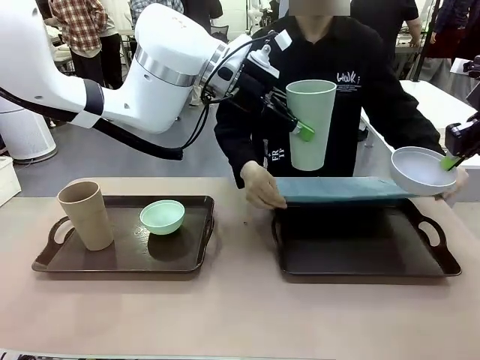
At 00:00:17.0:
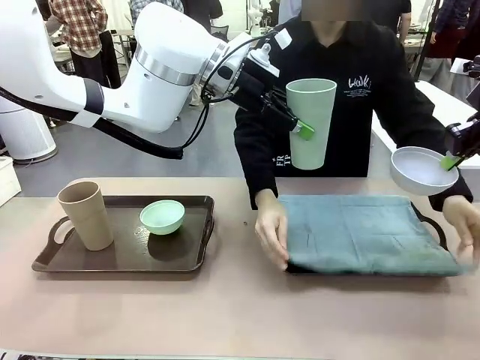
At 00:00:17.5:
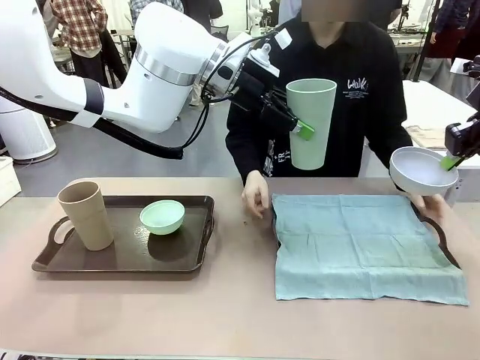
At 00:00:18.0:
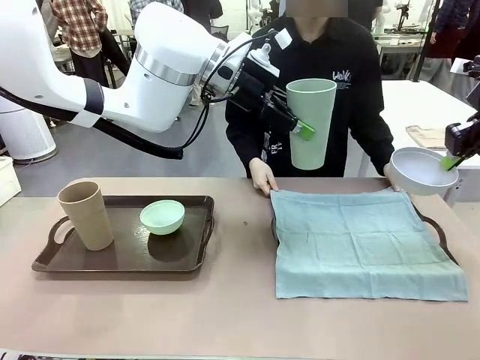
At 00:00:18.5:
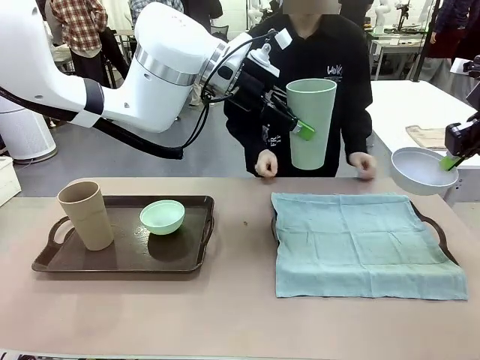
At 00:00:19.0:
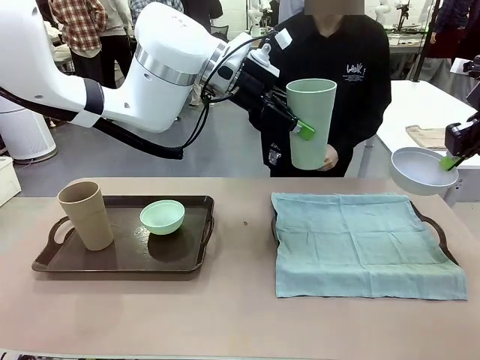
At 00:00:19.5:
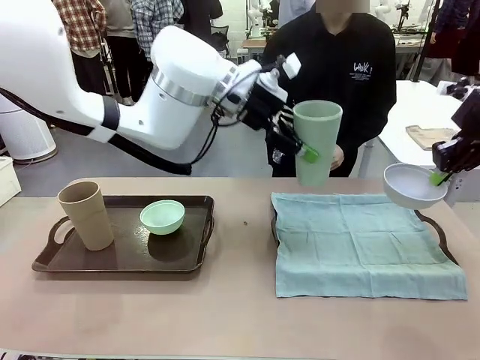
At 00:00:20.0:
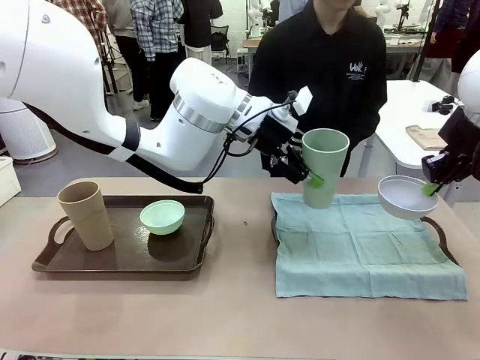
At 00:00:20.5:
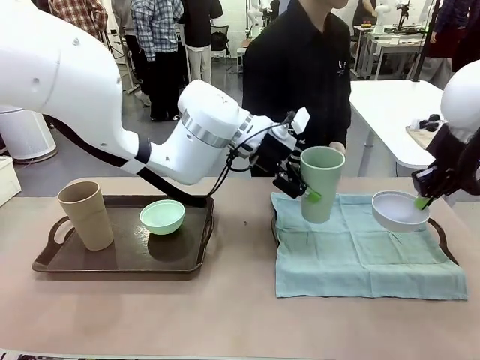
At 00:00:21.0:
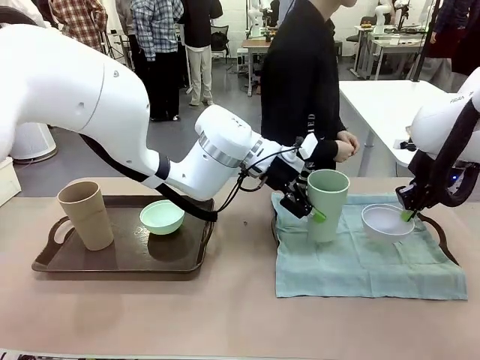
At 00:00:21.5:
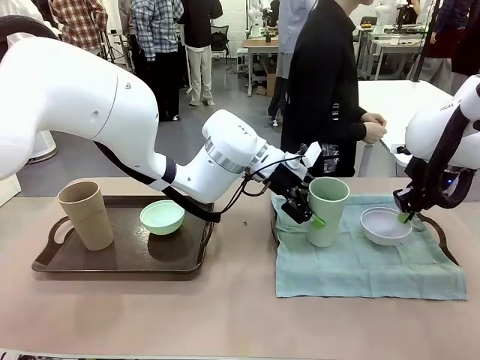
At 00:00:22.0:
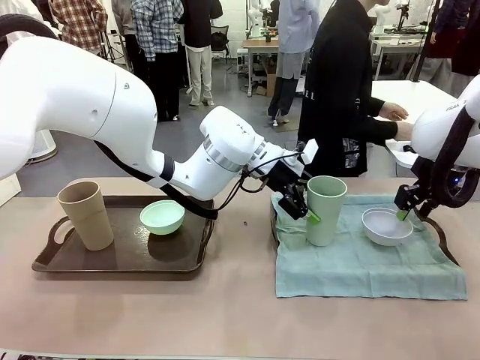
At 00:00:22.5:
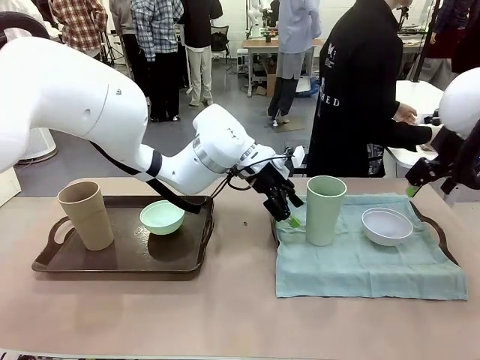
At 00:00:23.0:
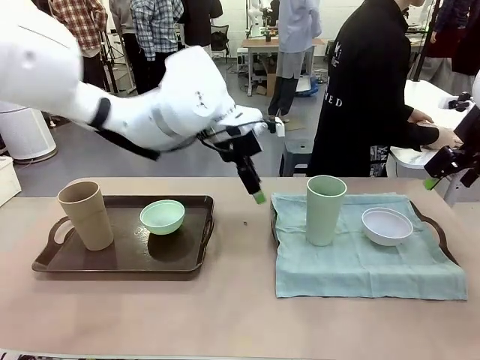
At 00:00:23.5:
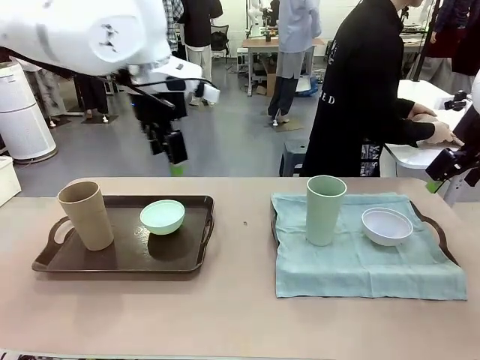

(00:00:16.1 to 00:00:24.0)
Robot: Place the Picnic Bowl and Reusable plastic cup back onto the Handle tray in front of the human's position.

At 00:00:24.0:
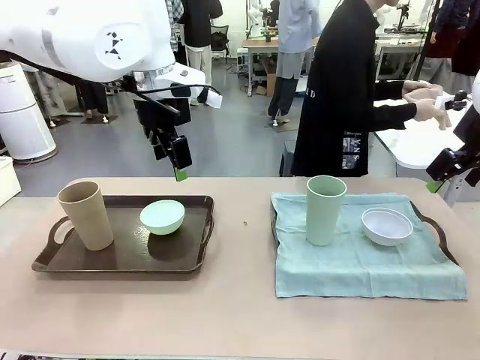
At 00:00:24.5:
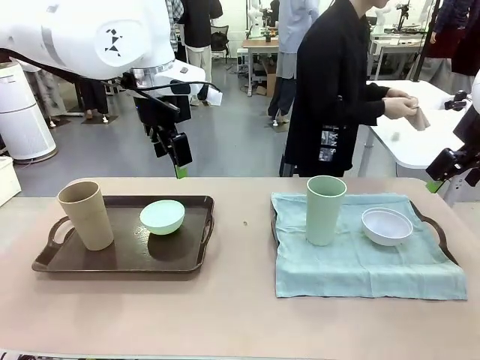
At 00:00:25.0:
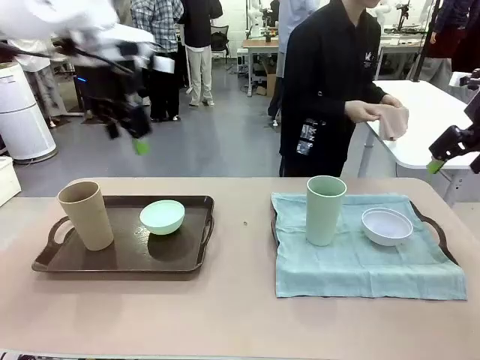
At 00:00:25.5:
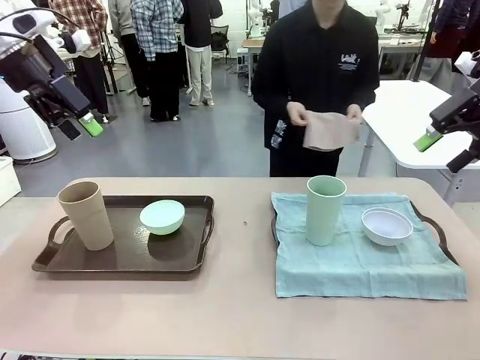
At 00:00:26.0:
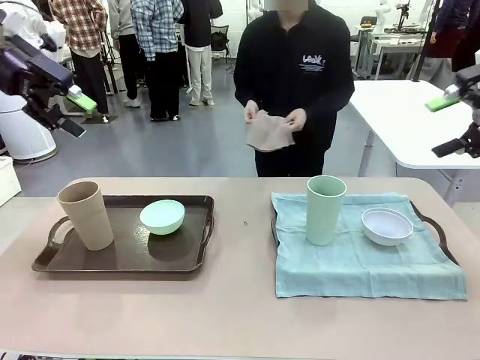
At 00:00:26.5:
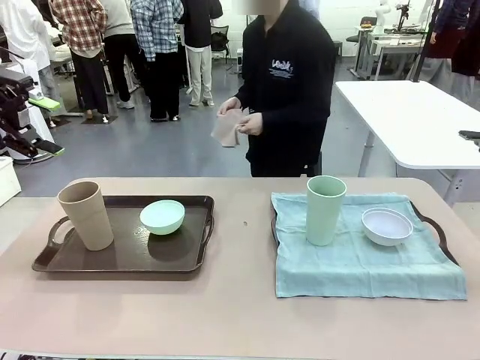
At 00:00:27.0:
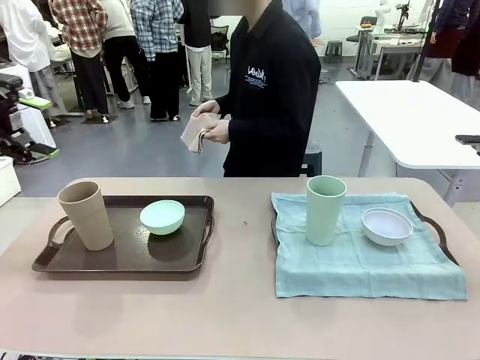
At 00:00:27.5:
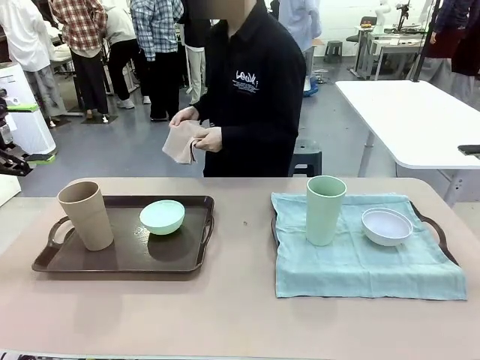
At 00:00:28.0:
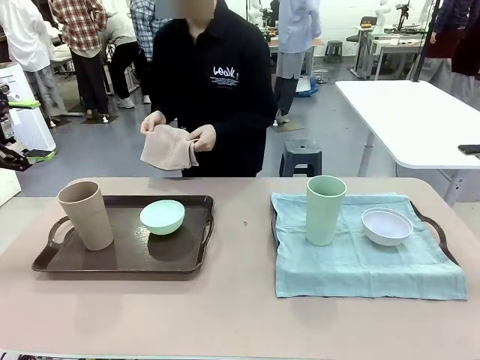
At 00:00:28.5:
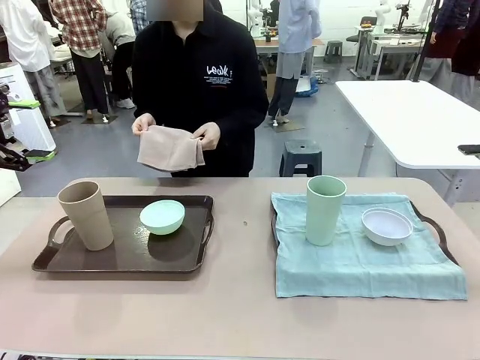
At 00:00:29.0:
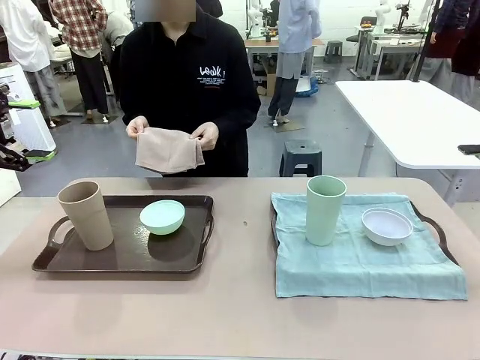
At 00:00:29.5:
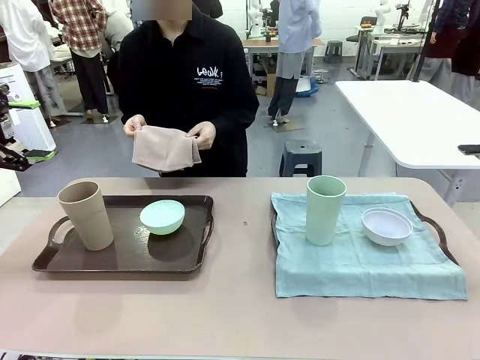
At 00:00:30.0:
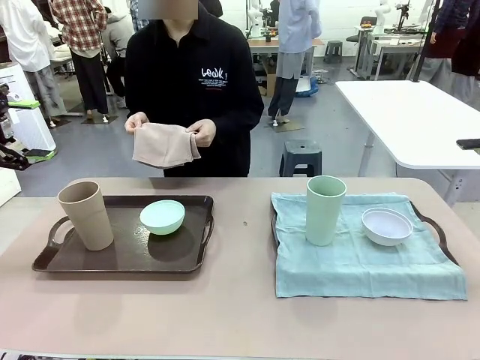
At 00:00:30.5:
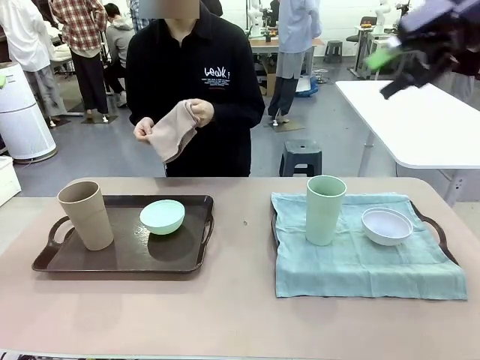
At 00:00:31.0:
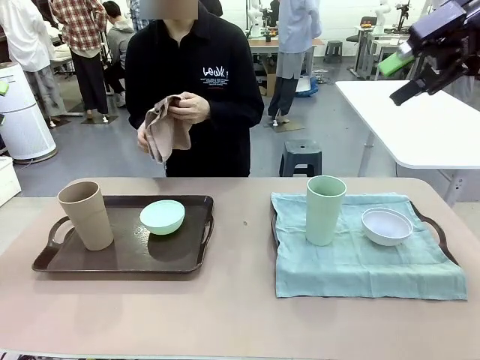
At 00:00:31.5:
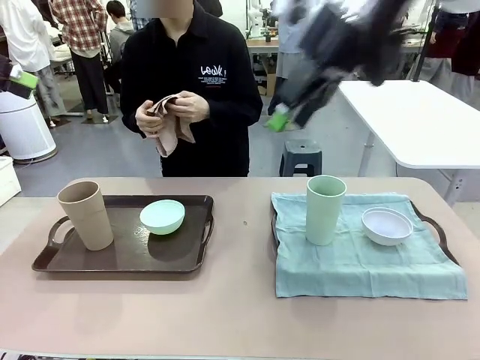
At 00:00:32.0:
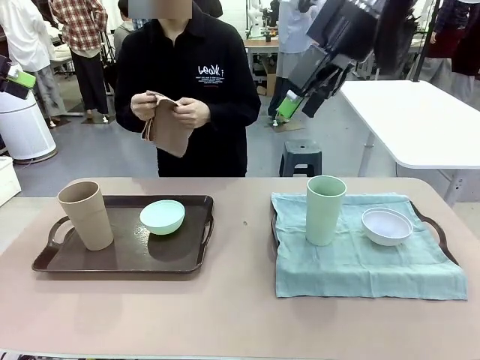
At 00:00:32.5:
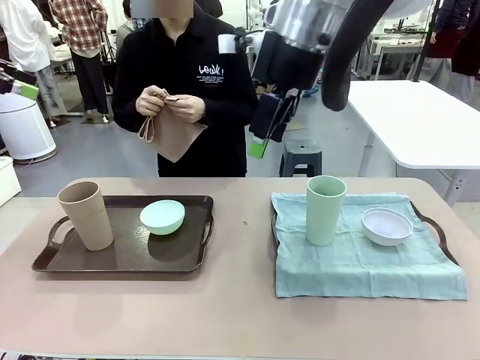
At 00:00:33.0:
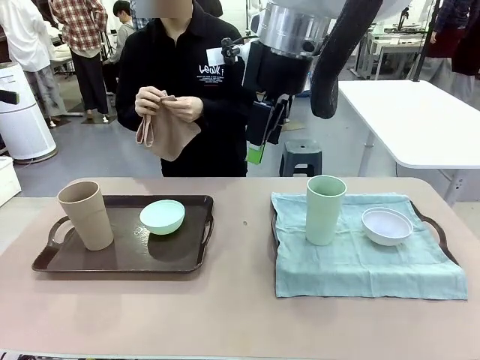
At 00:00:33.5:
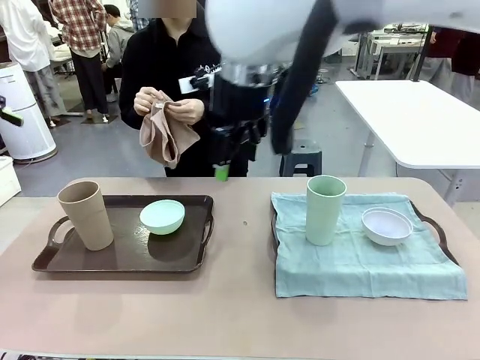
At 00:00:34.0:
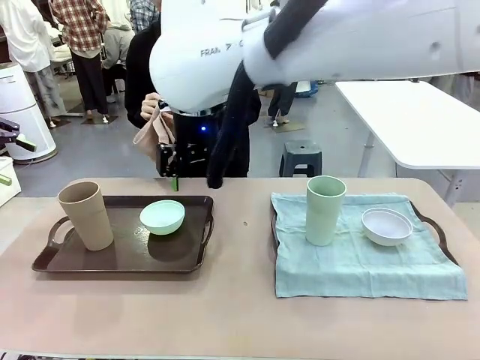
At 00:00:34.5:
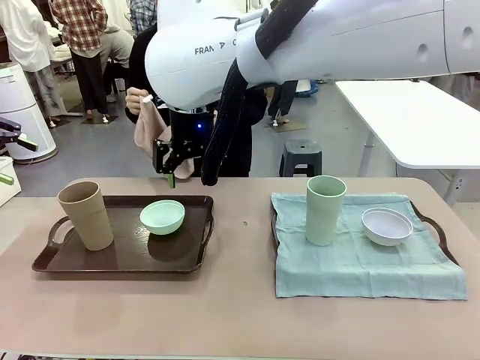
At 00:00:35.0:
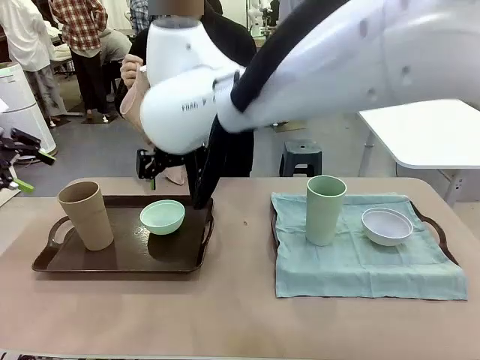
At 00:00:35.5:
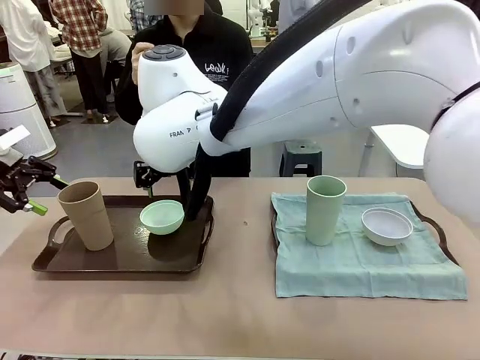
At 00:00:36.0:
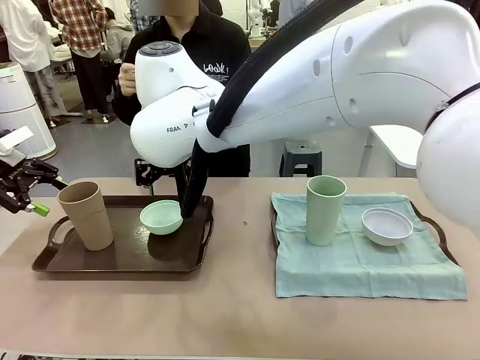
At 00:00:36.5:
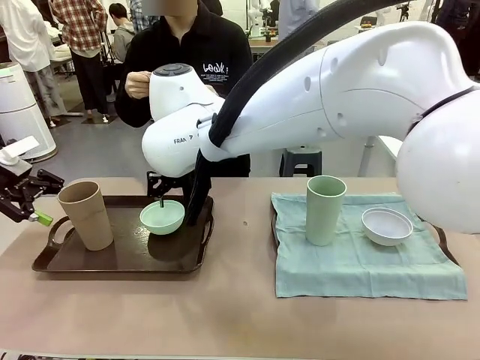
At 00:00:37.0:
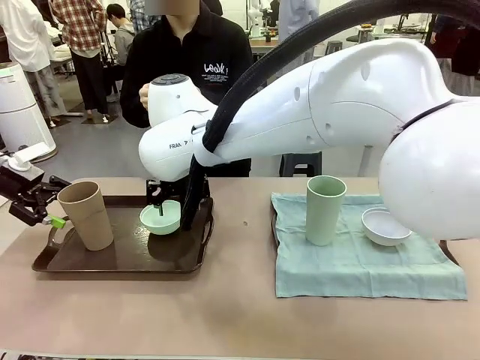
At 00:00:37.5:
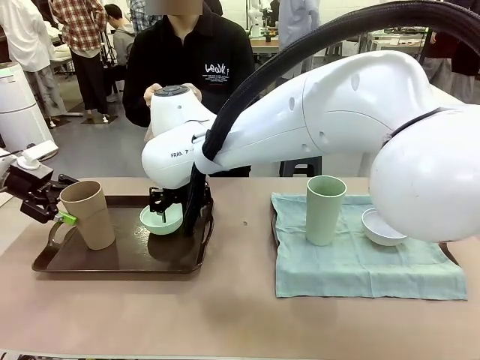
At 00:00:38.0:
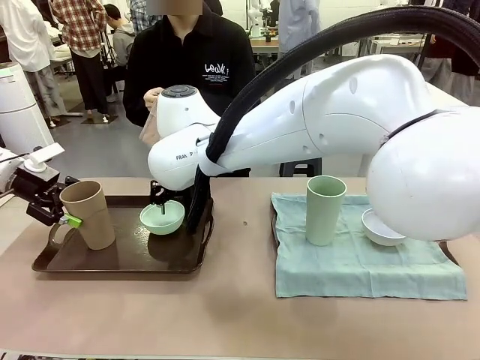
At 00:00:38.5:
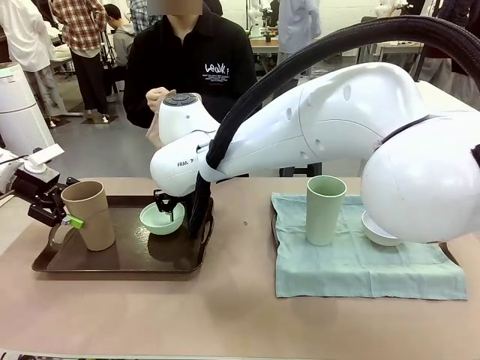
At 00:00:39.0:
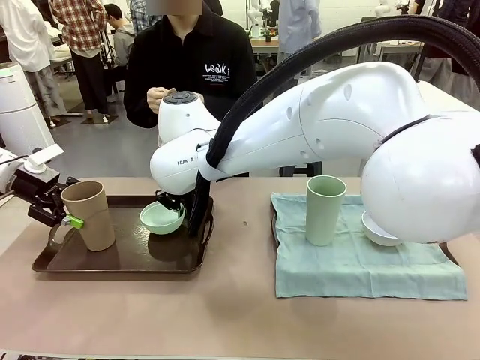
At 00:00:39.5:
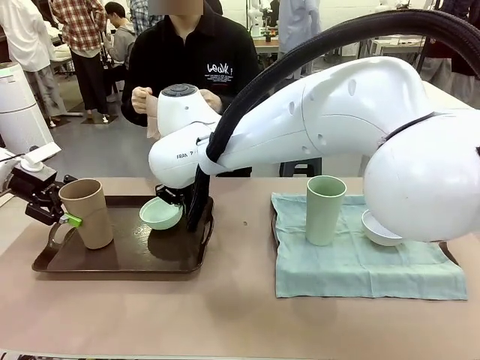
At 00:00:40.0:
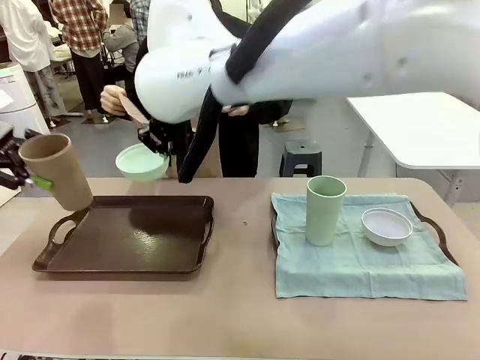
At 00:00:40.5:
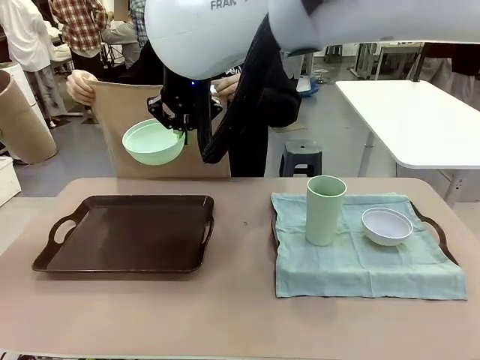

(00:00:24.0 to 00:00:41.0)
Robot: Pick up the Picnic Bowl and Reusable plastic cup from the Handle tray in front of the human's position and hold them in the air.
Person: The human returns to the human table to pick up another napkin and walks to the robot table to stand in front of the tray without a napkin.
